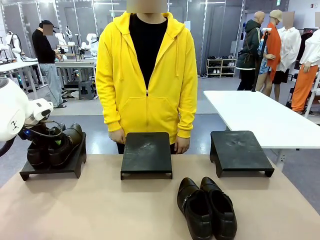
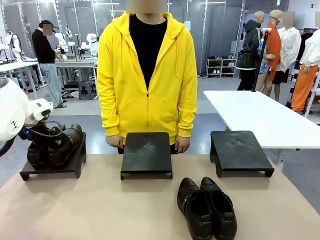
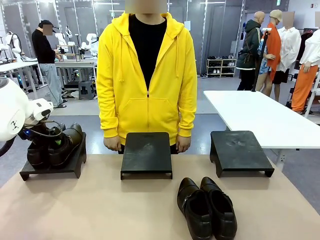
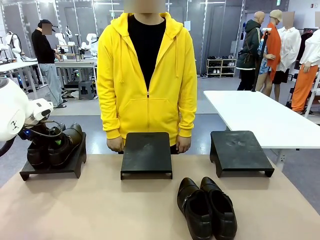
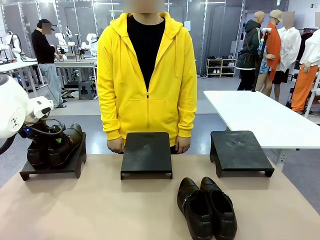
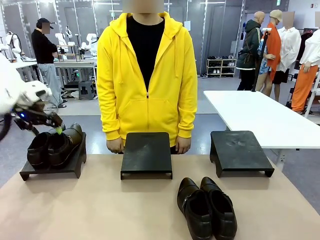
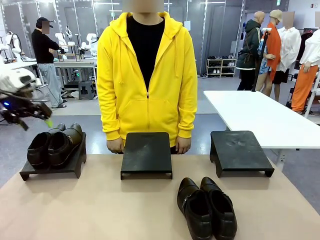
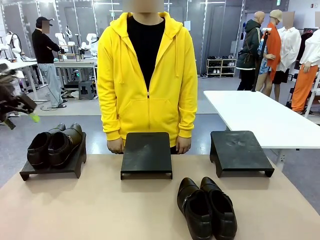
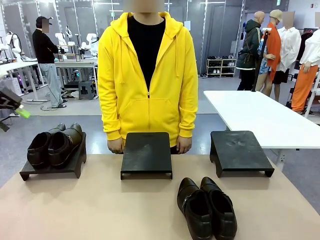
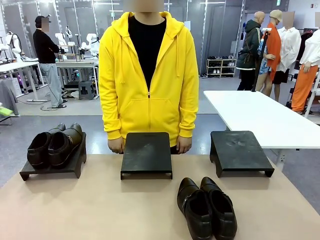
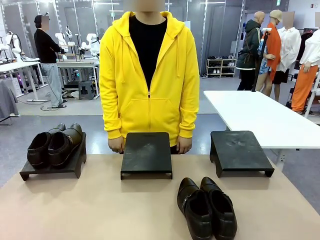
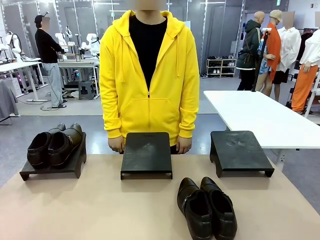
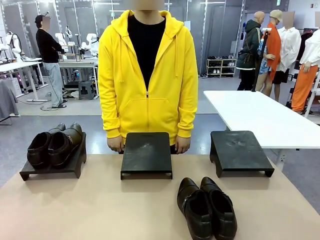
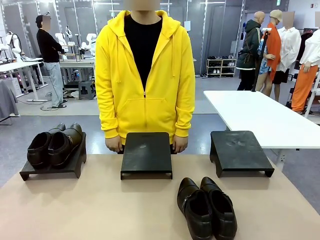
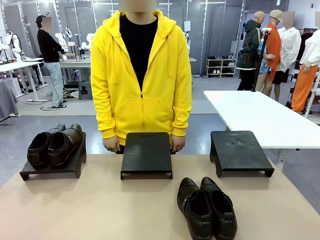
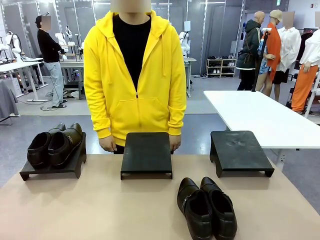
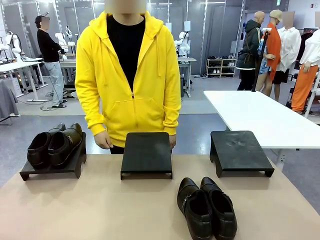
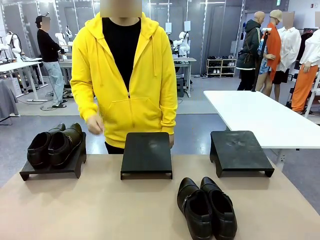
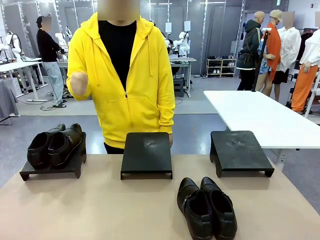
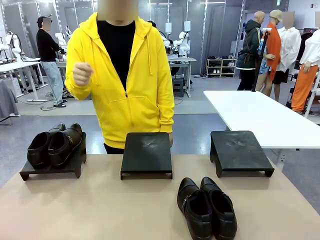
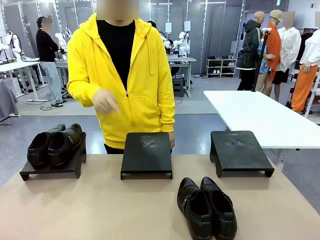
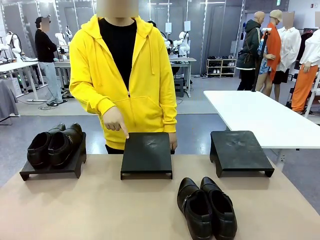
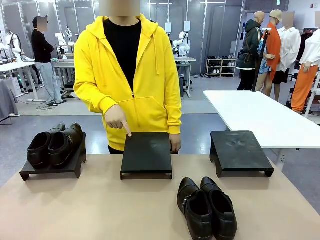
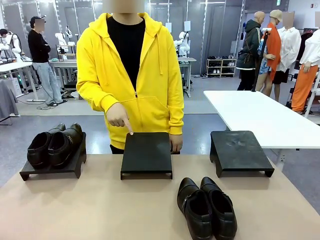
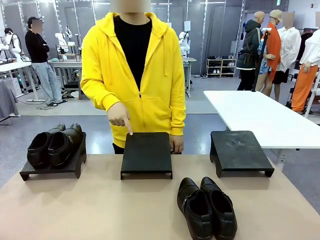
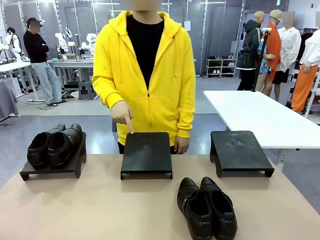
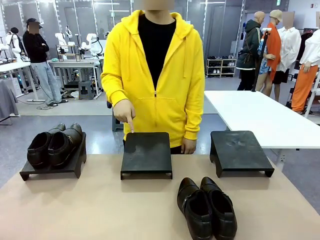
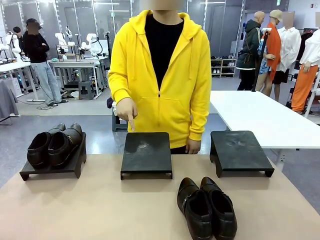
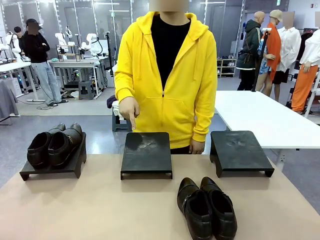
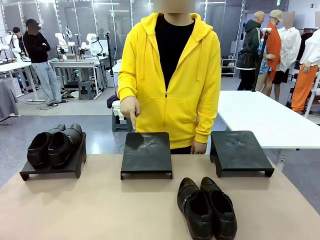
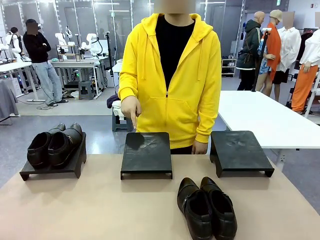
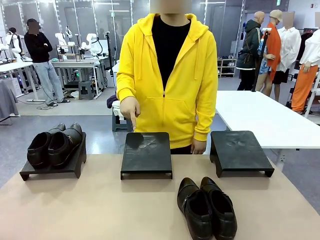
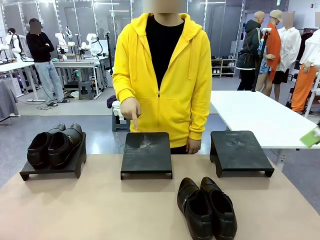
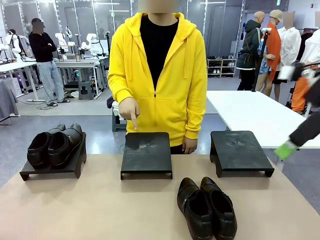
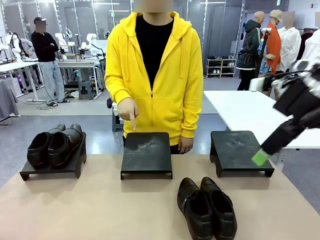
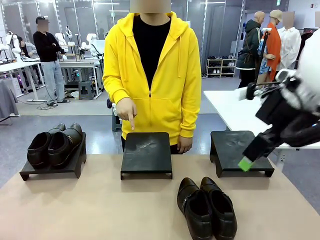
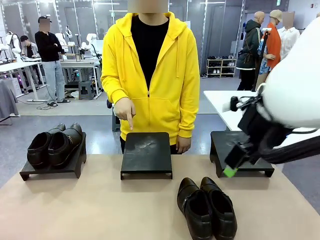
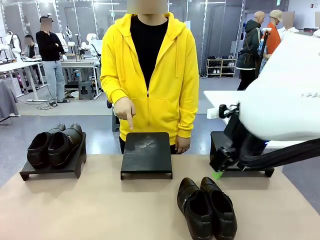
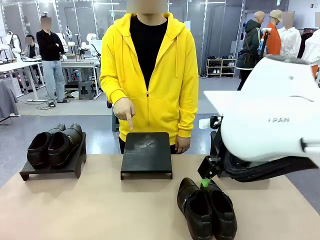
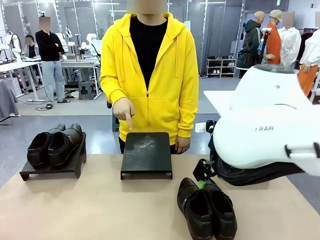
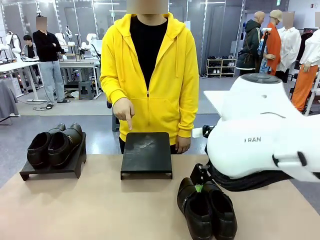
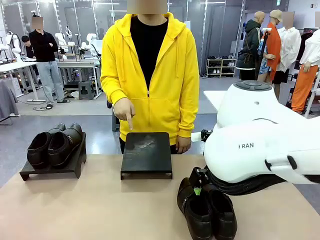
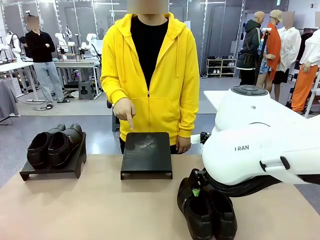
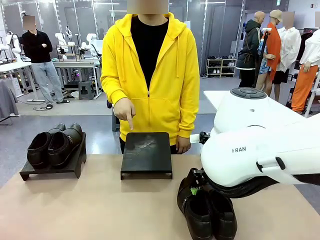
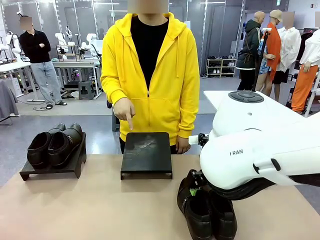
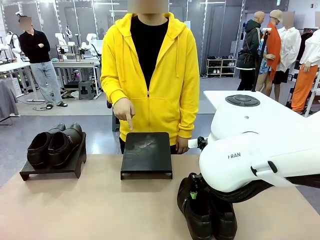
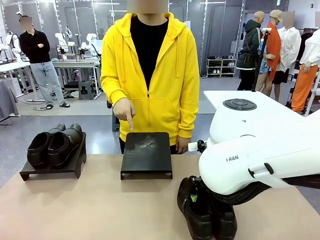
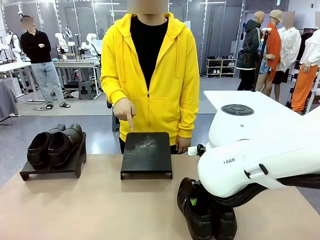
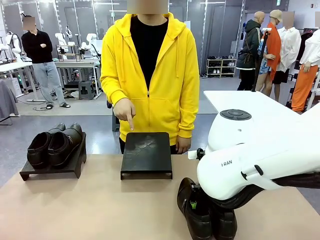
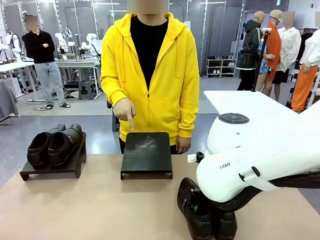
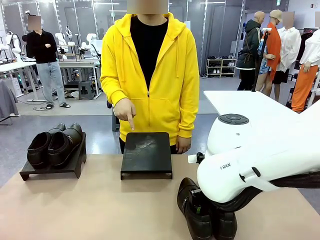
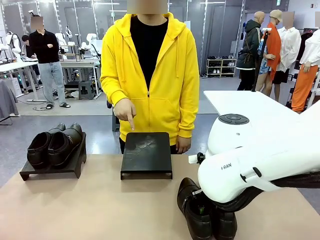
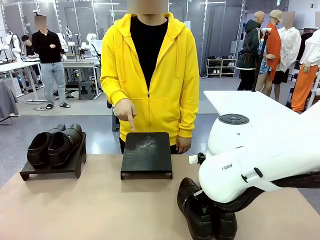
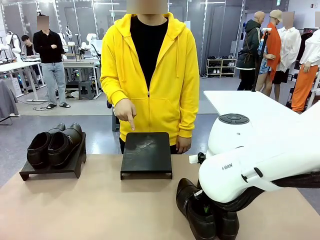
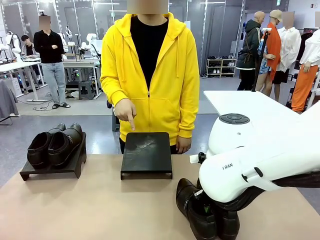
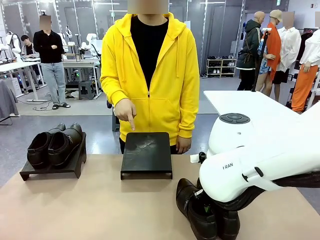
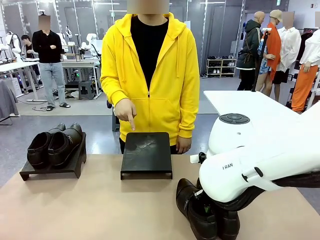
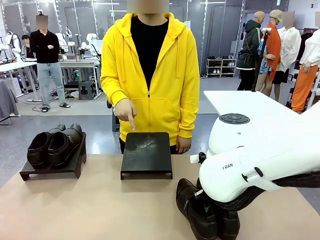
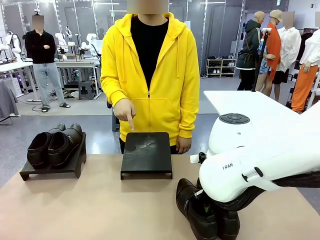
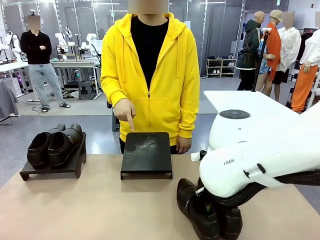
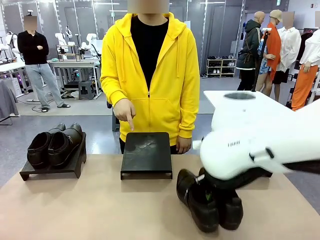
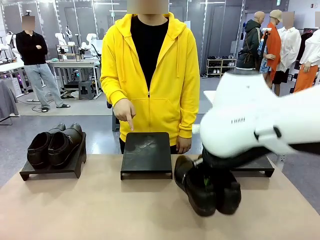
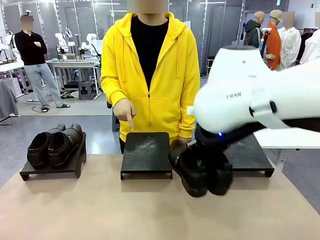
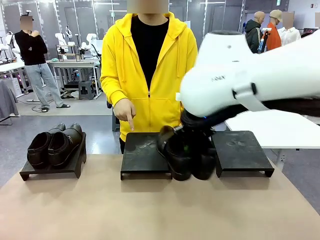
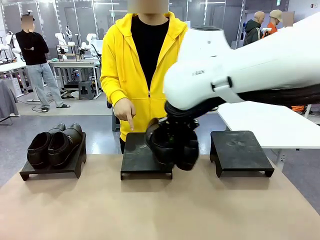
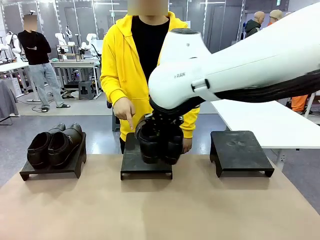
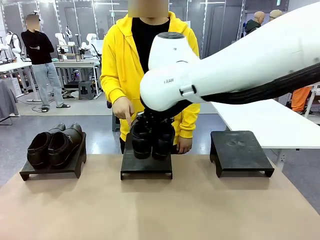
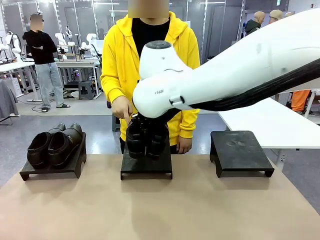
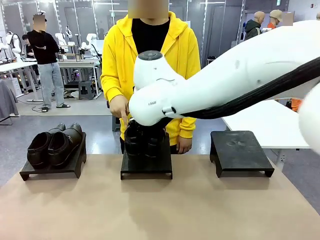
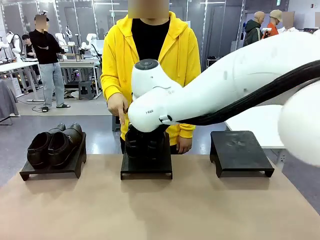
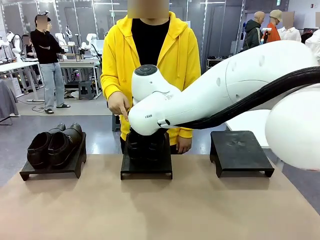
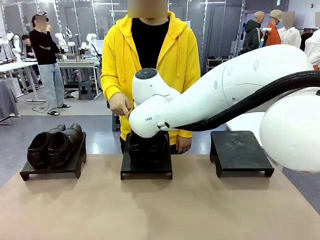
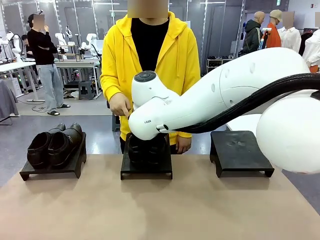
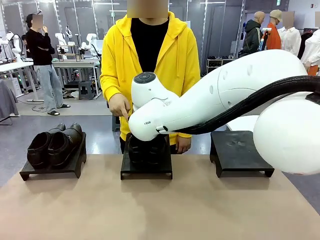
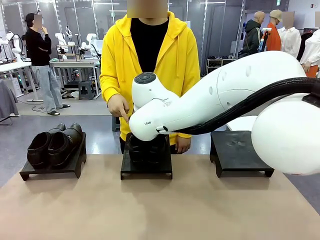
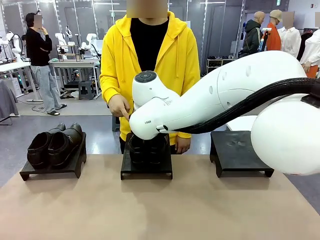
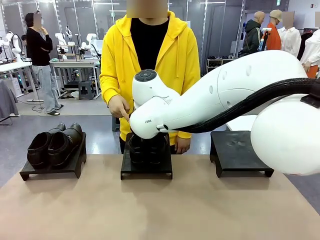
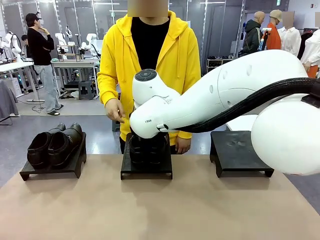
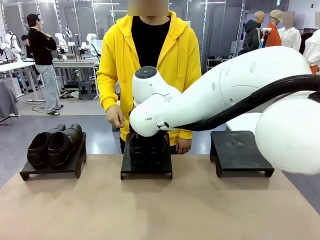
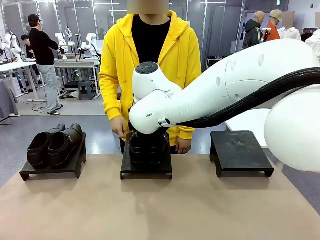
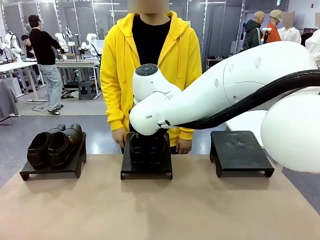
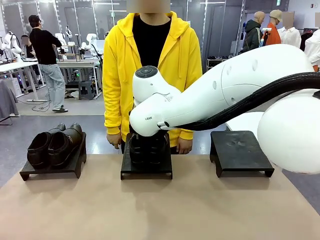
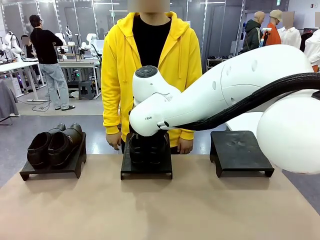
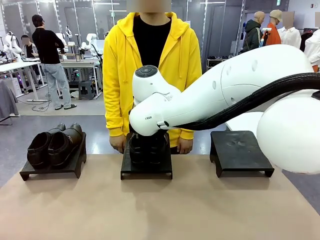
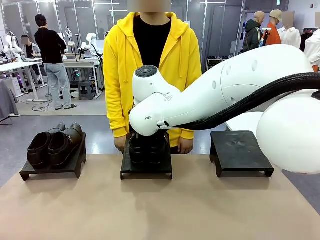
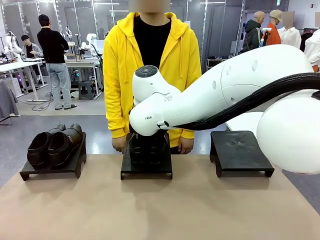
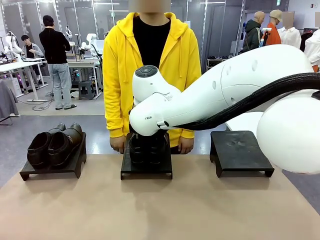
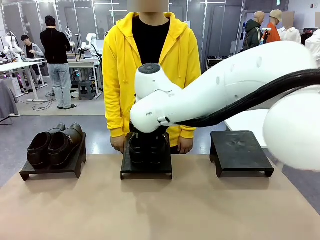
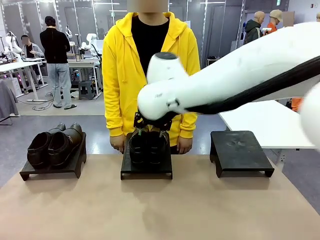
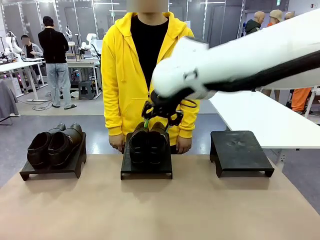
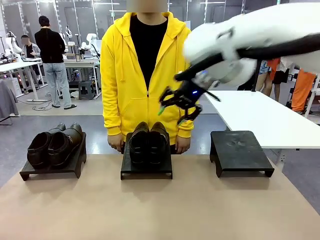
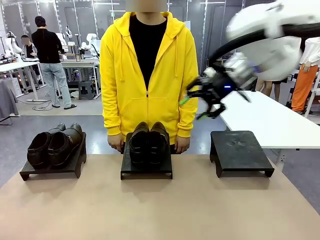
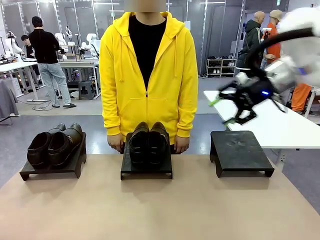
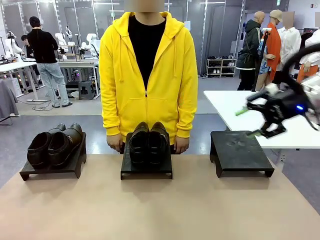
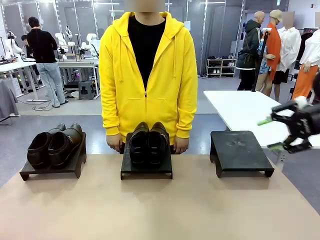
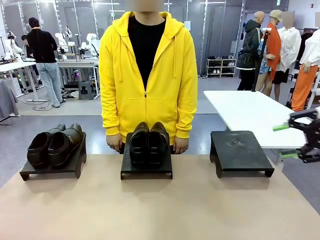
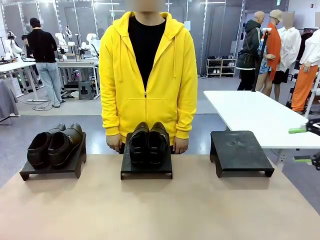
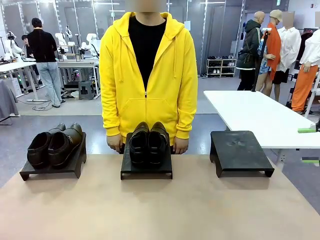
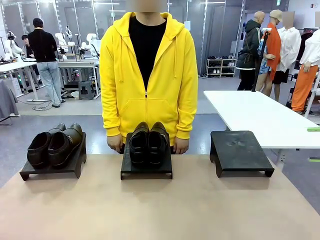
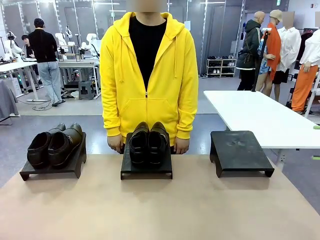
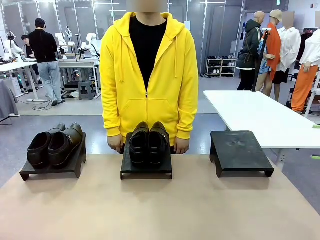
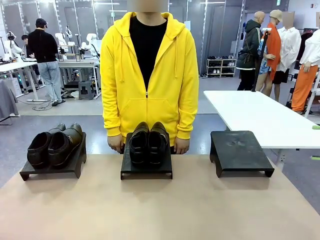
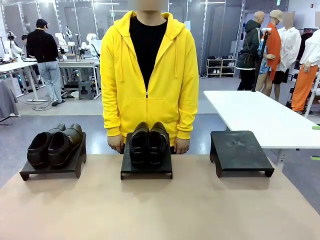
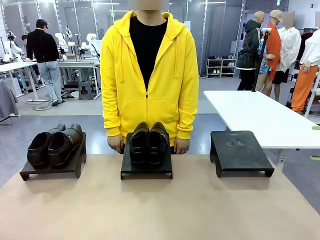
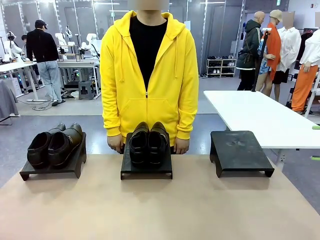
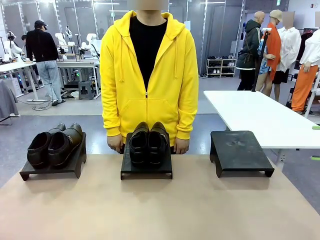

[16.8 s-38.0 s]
Task: Place the shoes on the stand as instructed by the person.
Robot: Pick up another pair of Shoes and place it on the Shoes Stand indicated by the person.
Person: Point to one Shoes Stand.
